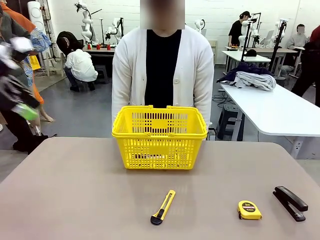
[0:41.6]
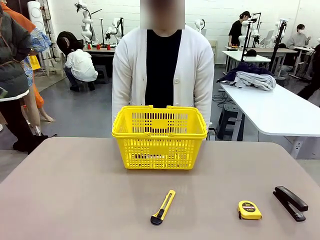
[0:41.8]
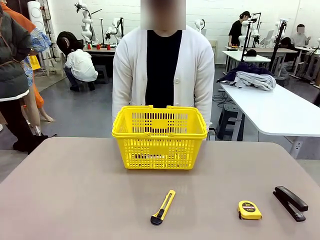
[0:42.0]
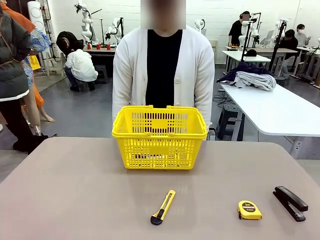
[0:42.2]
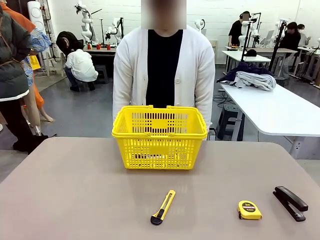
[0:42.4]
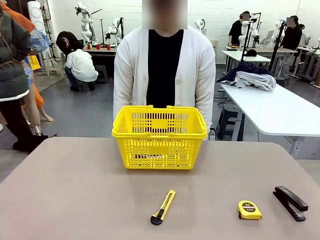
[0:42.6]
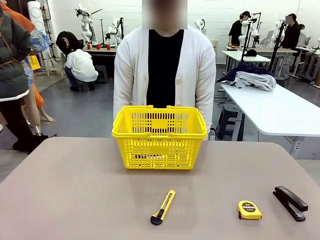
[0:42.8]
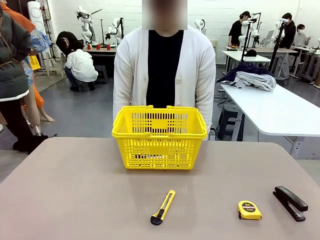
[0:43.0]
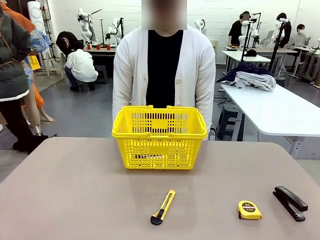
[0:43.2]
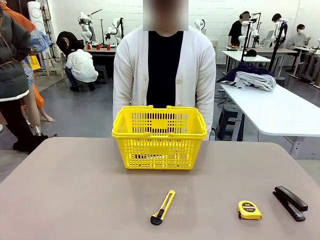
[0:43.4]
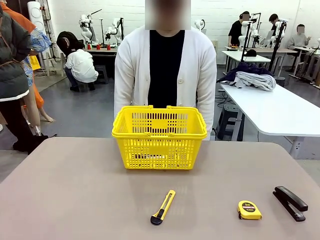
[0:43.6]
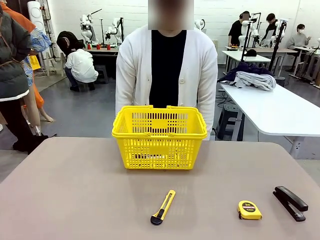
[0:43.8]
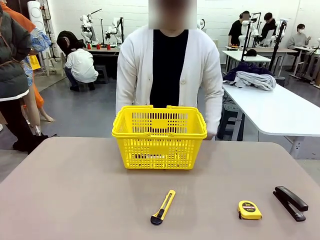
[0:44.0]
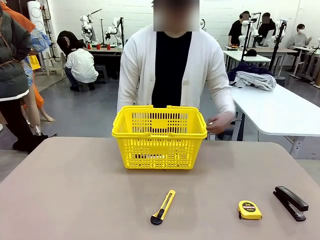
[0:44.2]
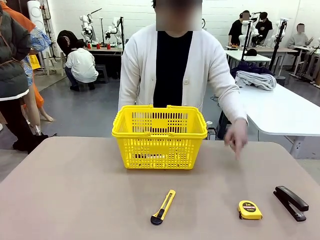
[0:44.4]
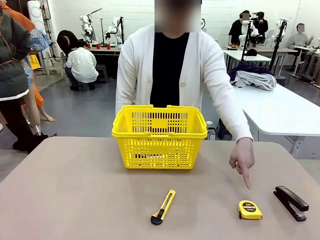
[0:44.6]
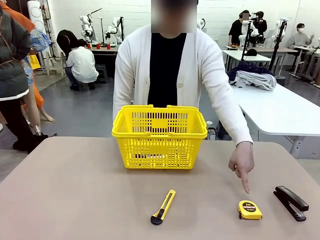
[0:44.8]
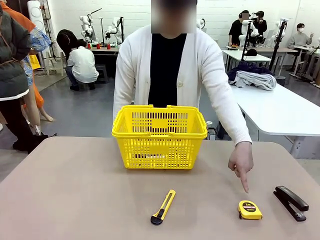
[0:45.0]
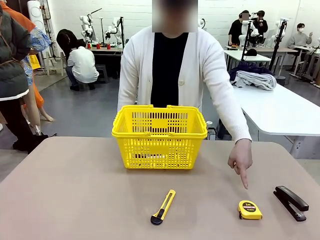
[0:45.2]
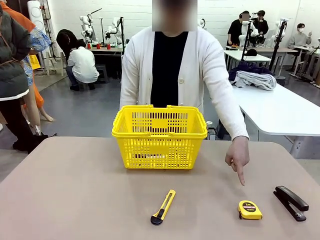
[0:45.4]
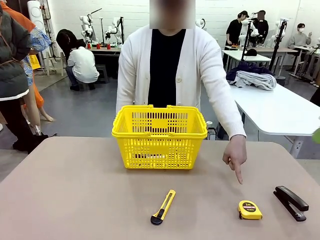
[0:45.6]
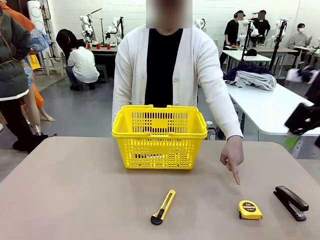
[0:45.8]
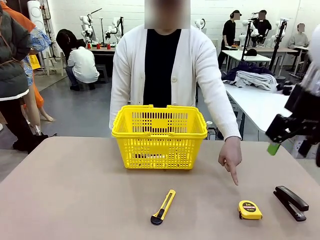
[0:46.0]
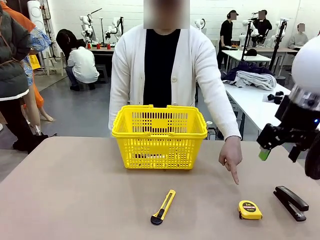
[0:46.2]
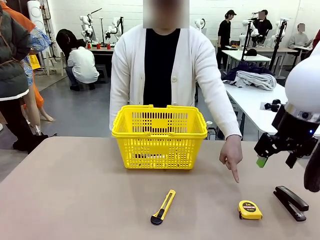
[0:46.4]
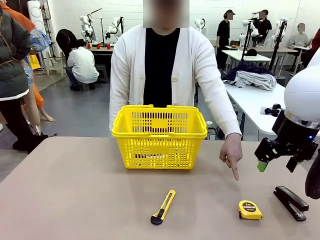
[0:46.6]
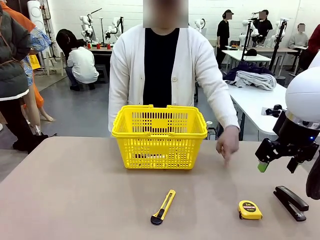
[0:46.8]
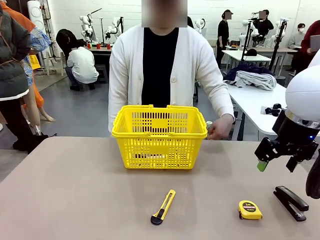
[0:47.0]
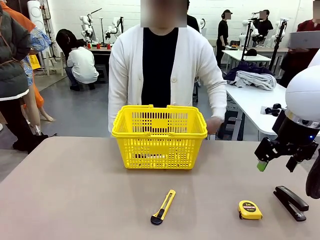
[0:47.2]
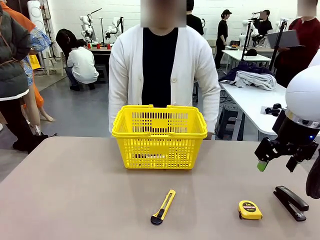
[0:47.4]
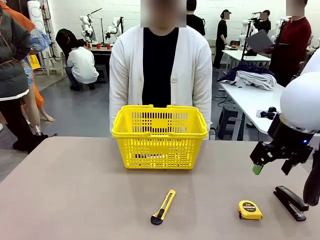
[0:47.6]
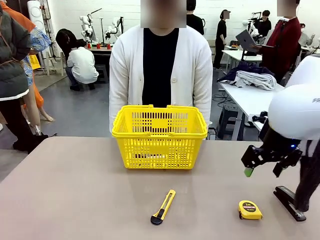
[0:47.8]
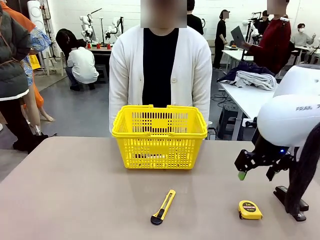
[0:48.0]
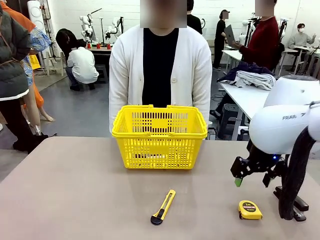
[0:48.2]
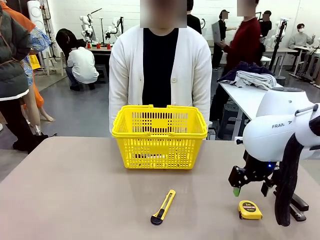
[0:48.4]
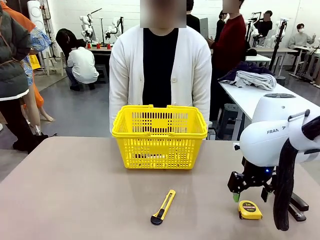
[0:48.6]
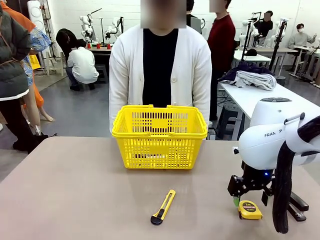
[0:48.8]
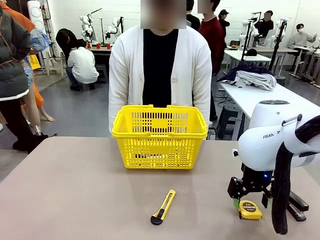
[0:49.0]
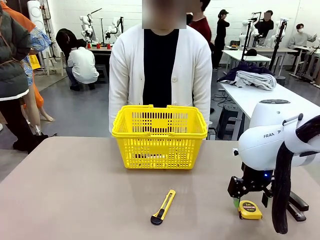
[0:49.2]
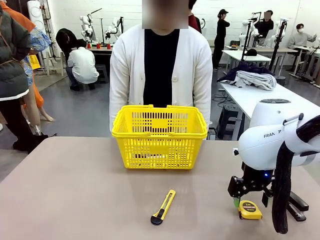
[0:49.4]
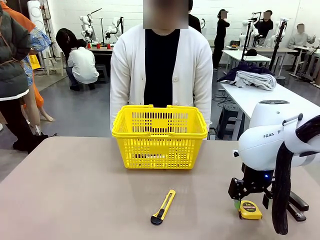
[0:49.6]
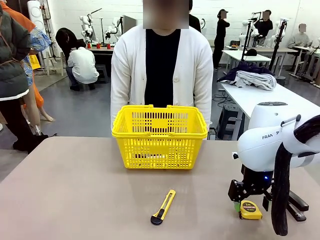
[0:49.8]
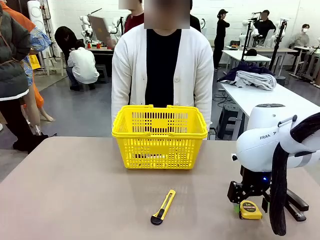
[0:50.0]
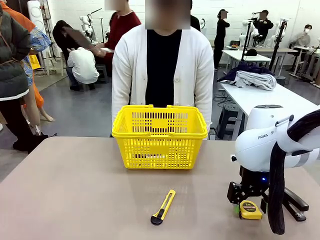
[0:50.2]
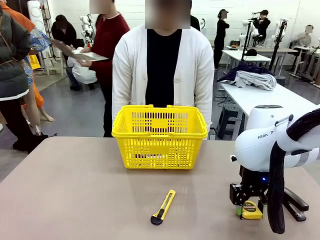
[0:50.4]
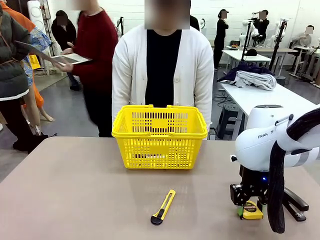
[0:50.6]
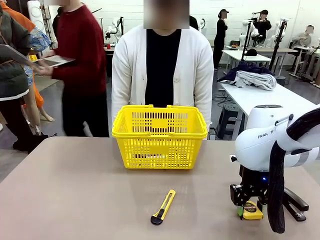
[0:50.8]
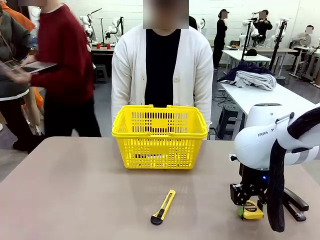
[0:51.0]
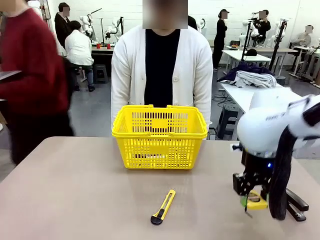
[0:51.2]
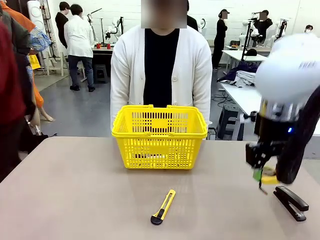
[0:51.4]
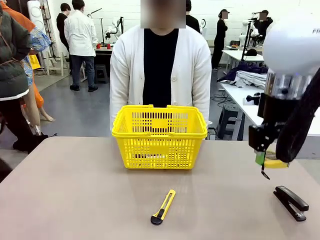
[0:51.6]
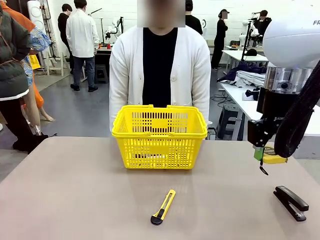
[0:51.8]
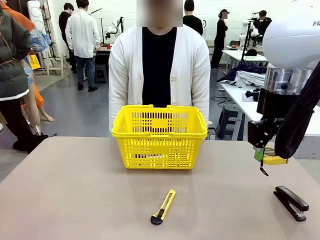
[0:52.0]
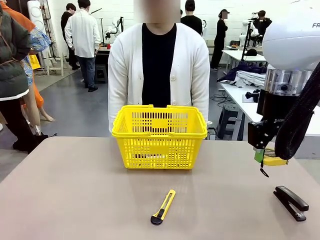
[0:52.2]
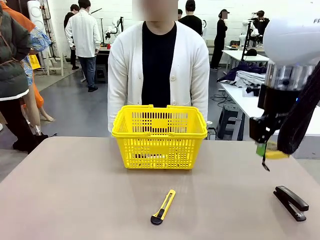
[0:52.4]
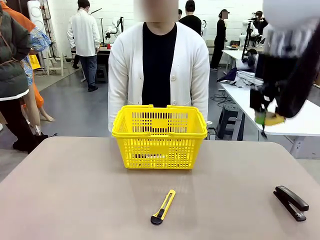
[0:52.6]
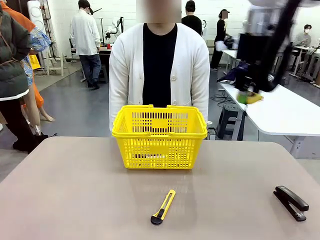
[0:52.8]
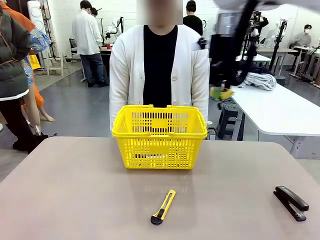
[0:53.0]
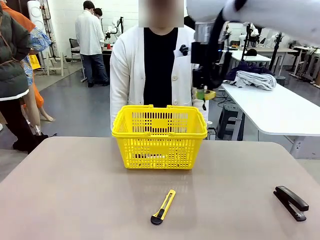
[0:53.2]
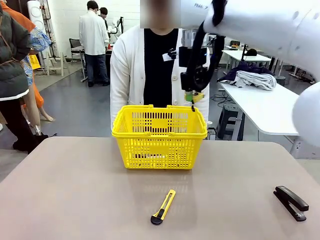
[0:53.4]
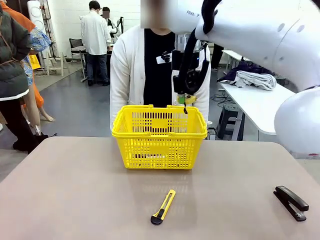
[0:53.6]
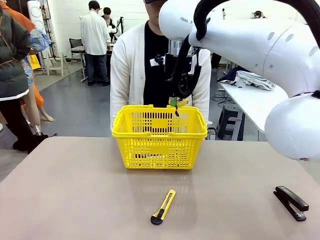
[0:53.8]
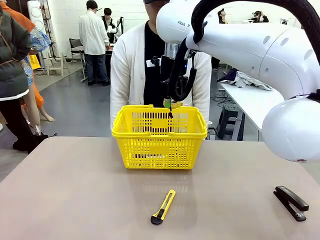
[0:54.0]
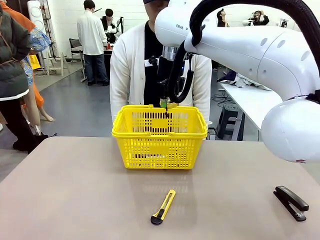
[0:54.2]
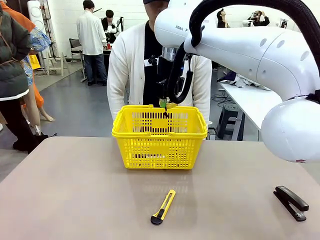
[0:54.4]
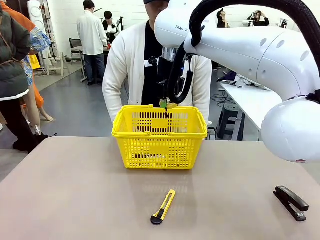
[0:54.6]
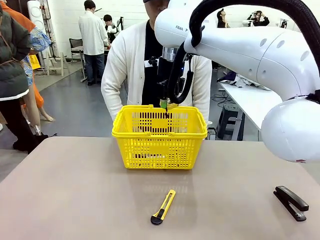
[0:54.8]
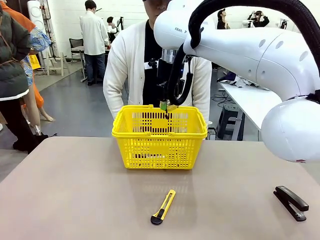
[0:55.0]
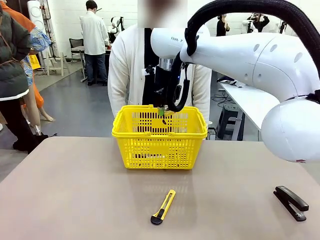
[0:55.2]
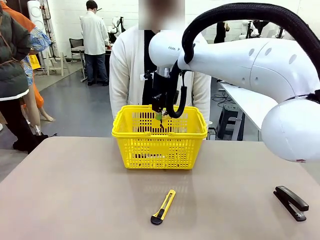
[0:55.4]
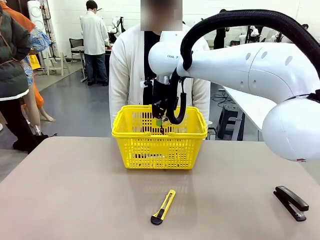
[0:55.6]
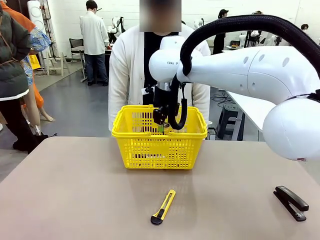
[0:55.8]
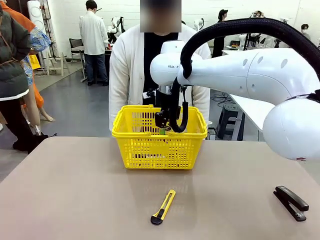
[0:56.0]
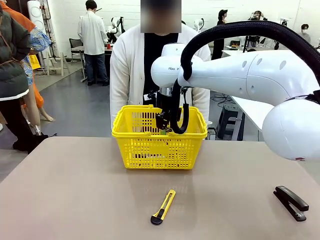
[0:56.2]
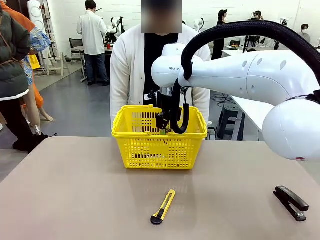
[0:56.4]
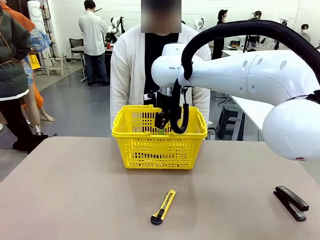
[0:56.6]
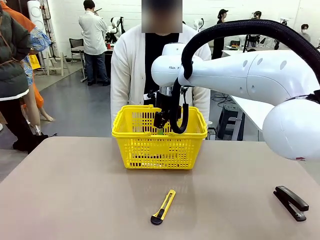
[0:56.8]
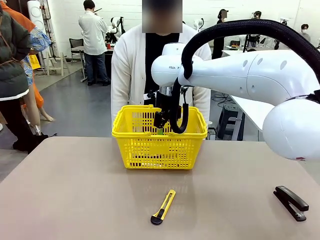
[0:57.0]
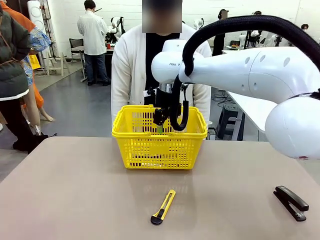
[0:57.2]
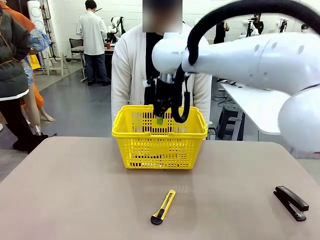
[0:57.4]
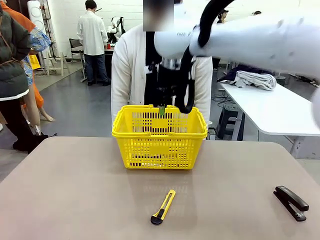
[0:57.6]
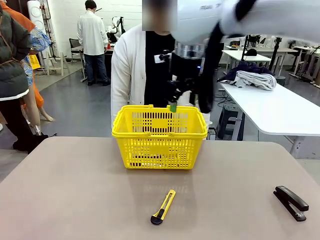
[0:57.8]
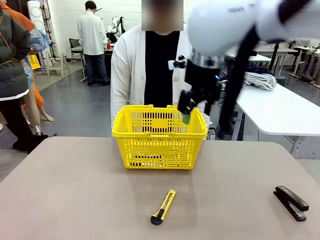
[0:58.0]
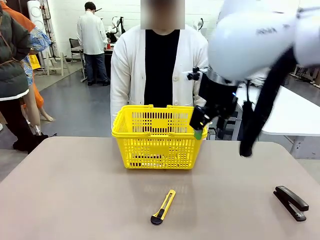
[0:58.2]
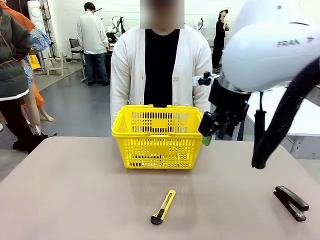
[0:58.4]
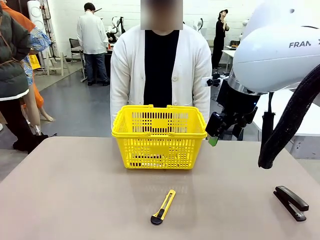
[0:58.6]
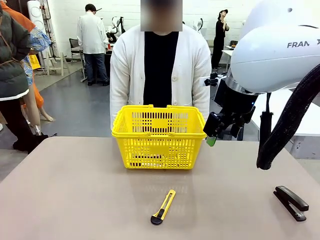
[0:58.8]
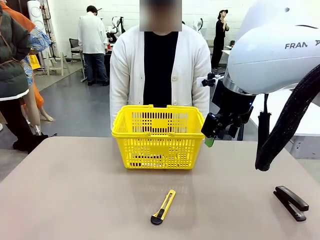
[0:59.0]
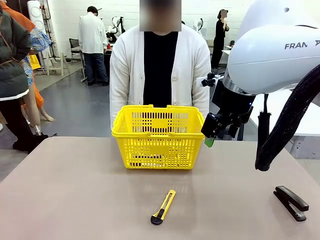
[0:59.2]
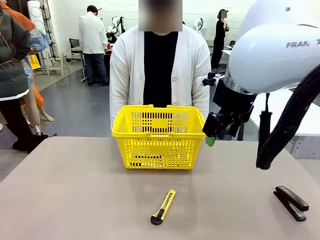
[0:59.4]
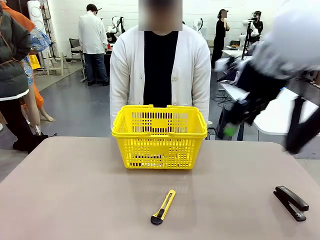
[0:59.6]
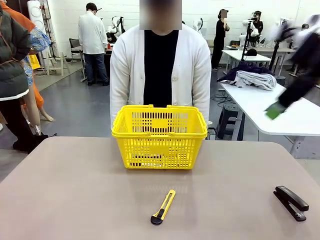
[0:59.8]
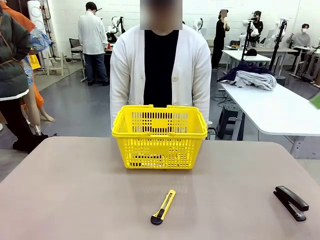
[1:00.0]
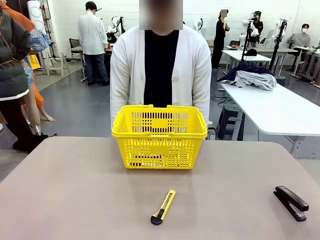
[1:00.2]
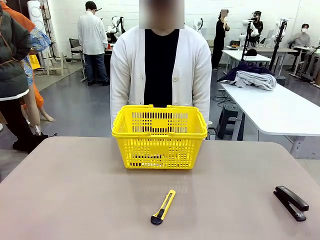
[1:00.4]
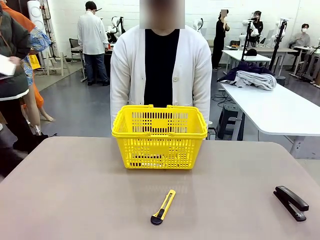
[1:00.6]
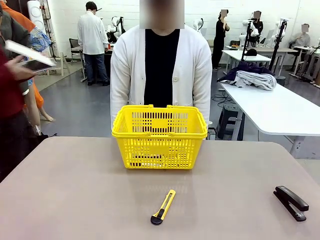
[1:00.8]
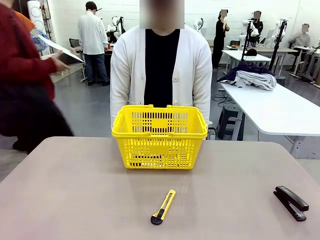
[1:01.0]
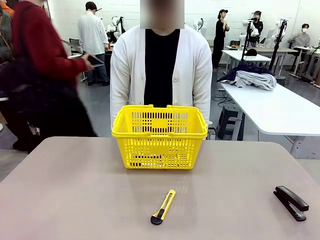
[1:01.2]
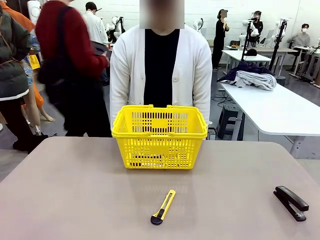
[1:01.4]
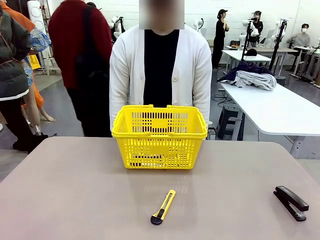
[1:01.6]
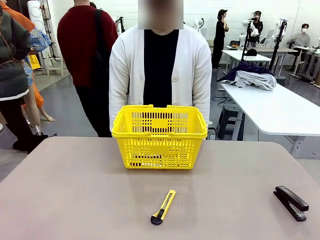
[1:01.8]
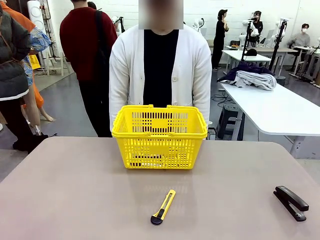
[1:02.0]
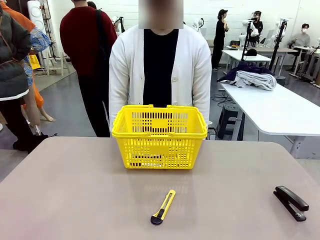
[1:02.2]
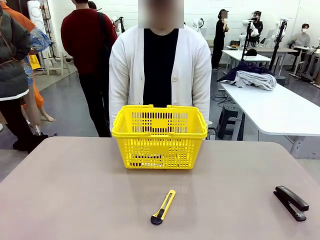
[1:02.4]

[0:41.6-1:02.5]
Task: Place the items the person wants into the basket.
Robot: Pick up the item the person points to and place it in the Market Basket.
